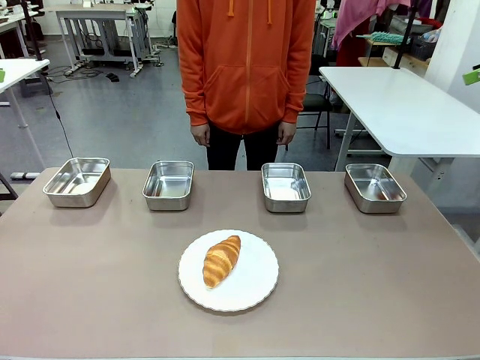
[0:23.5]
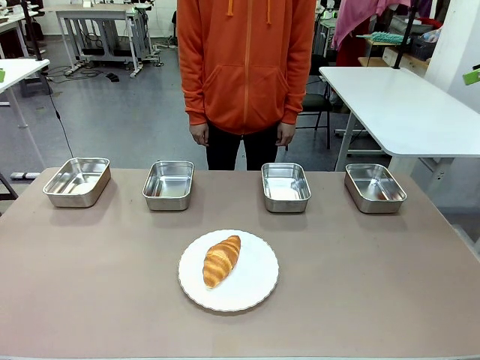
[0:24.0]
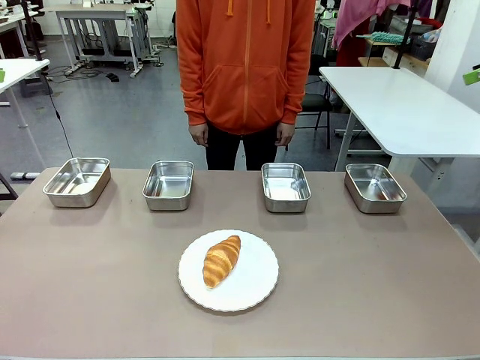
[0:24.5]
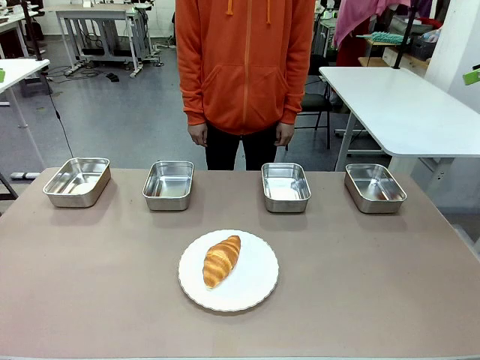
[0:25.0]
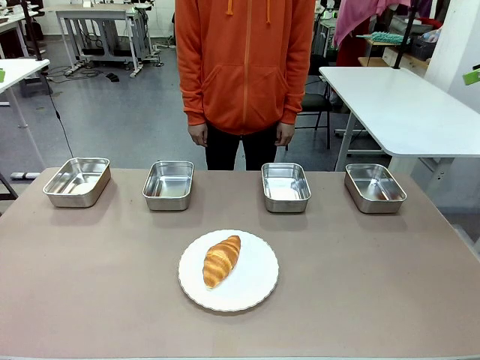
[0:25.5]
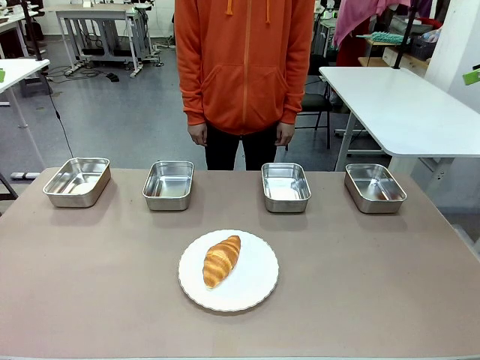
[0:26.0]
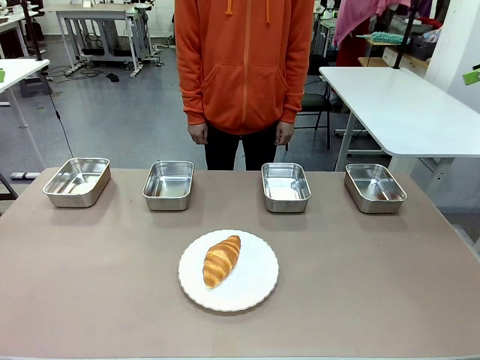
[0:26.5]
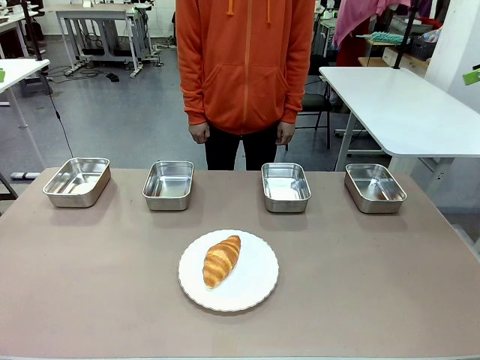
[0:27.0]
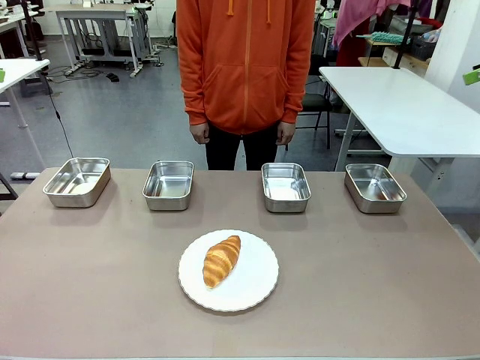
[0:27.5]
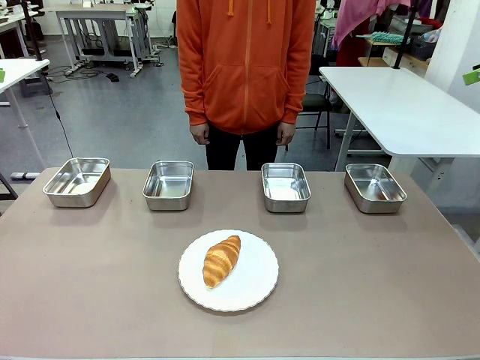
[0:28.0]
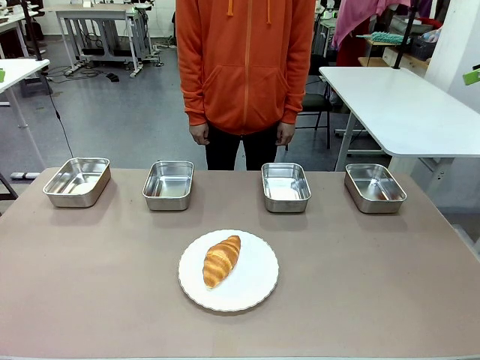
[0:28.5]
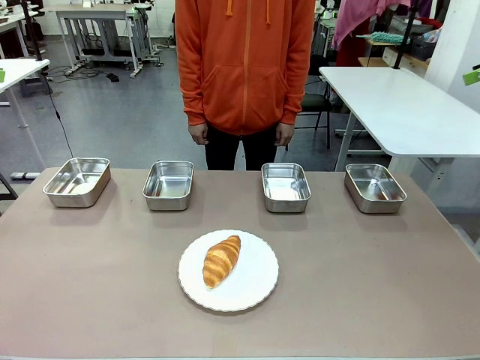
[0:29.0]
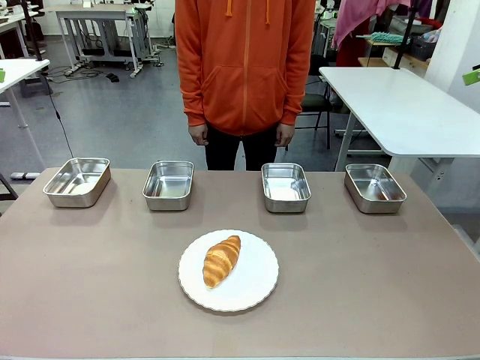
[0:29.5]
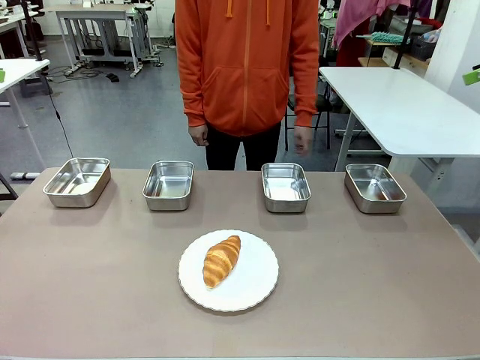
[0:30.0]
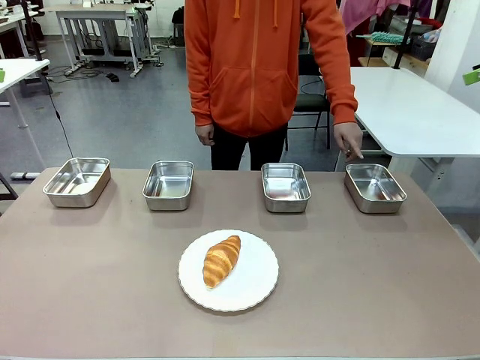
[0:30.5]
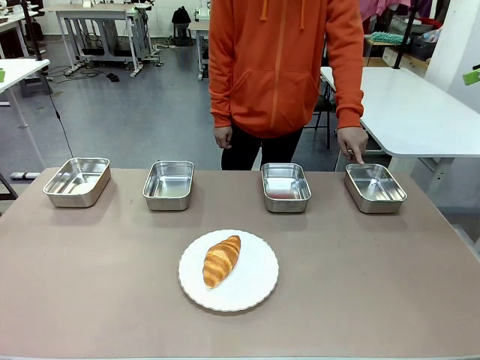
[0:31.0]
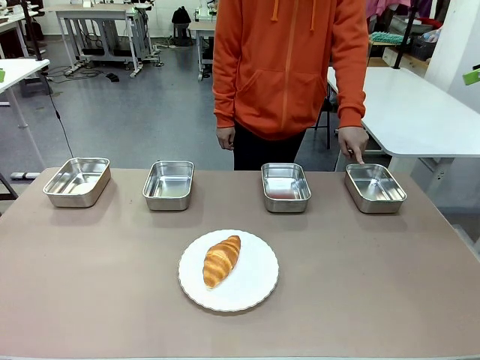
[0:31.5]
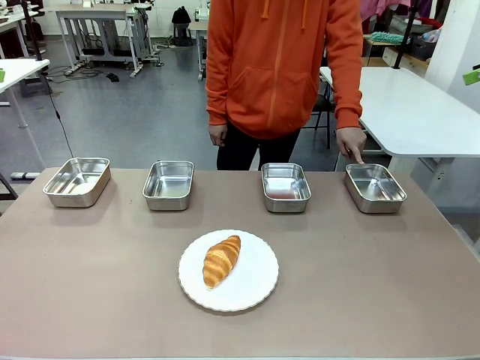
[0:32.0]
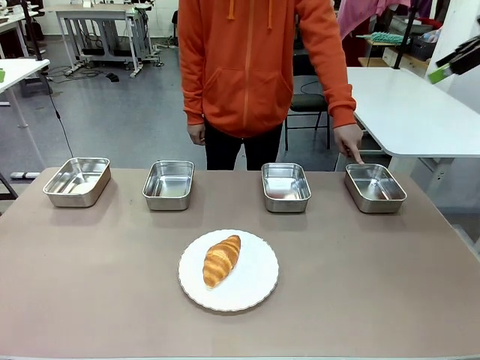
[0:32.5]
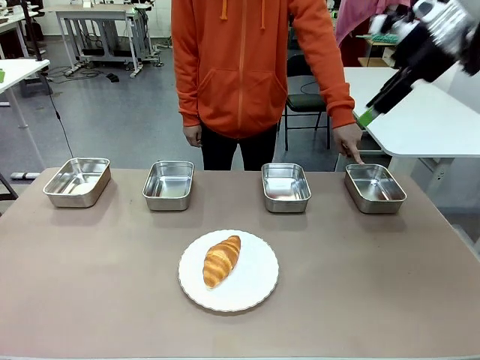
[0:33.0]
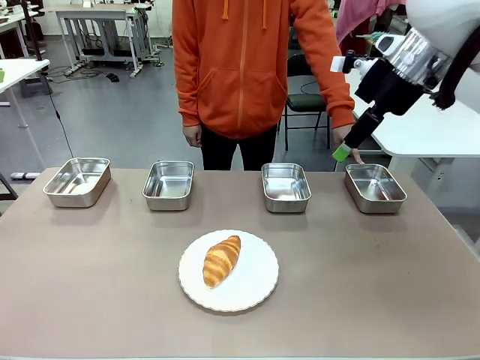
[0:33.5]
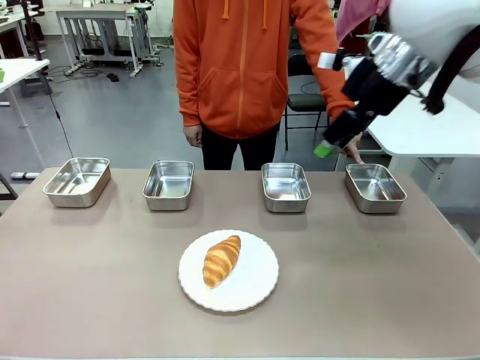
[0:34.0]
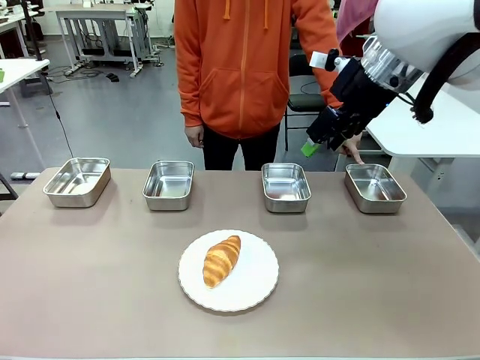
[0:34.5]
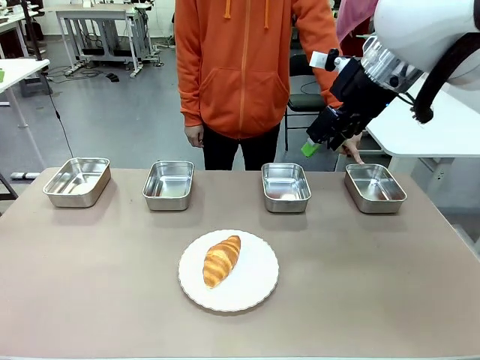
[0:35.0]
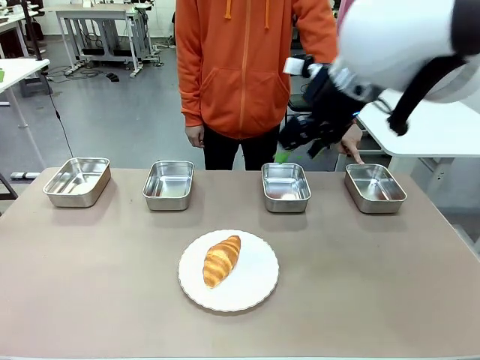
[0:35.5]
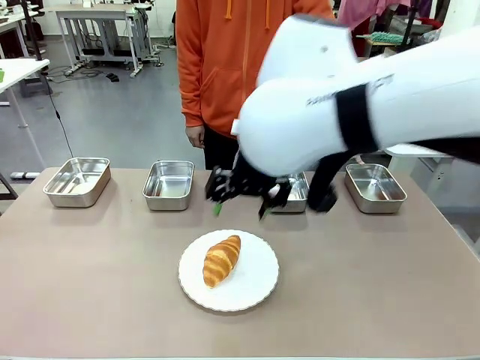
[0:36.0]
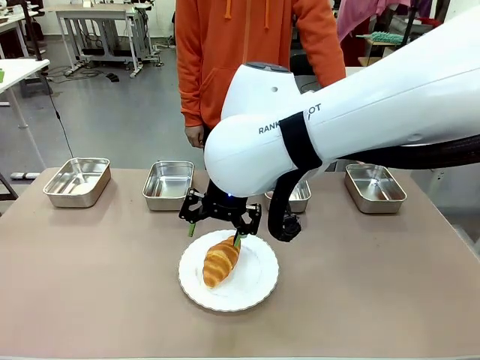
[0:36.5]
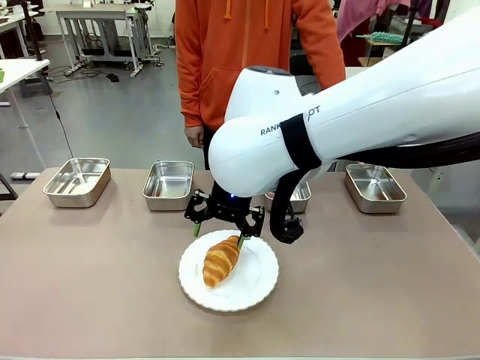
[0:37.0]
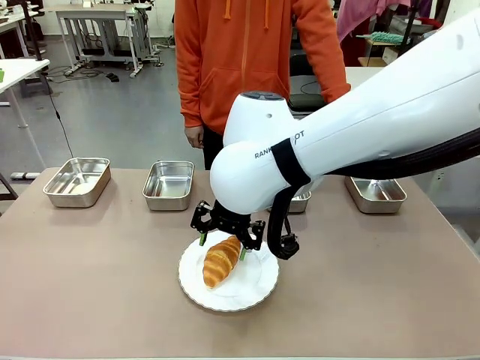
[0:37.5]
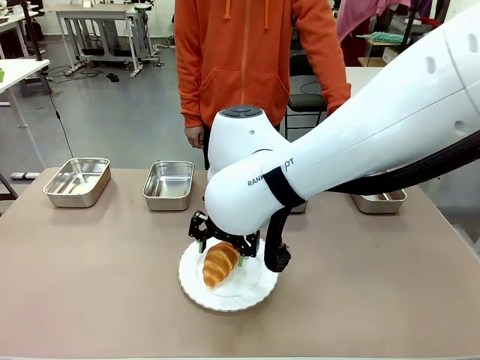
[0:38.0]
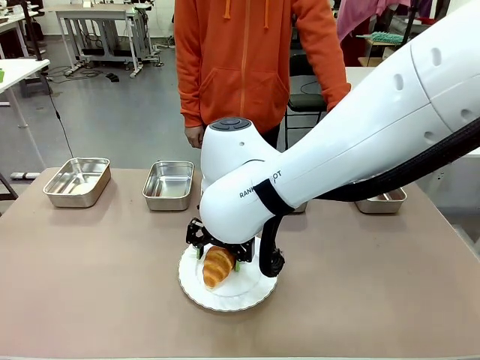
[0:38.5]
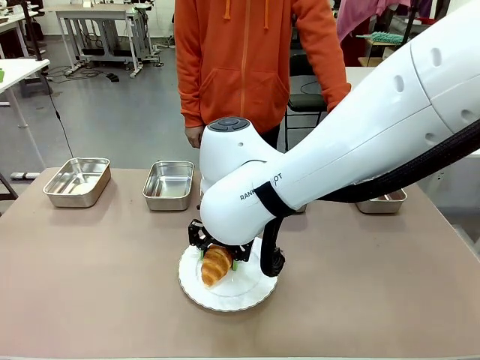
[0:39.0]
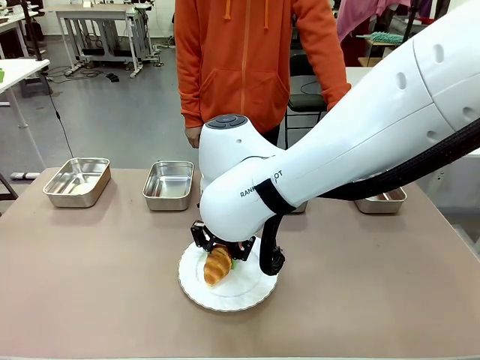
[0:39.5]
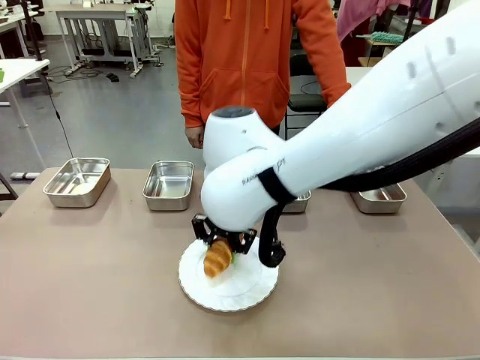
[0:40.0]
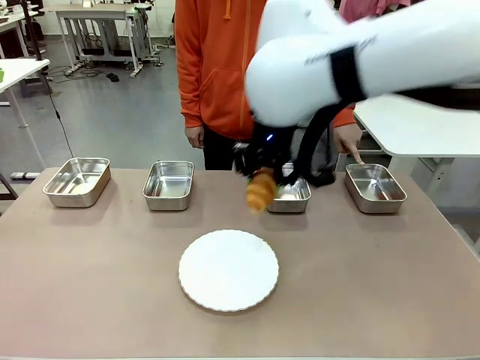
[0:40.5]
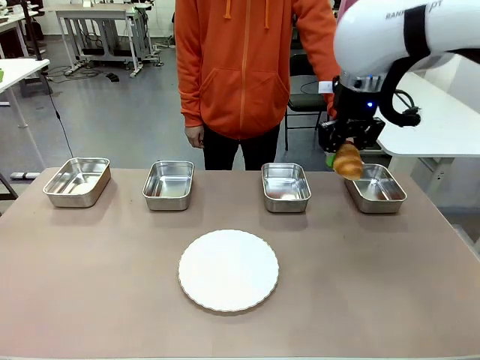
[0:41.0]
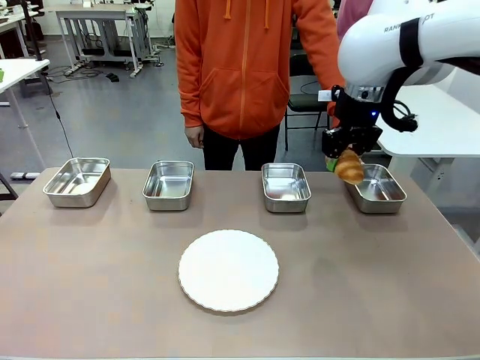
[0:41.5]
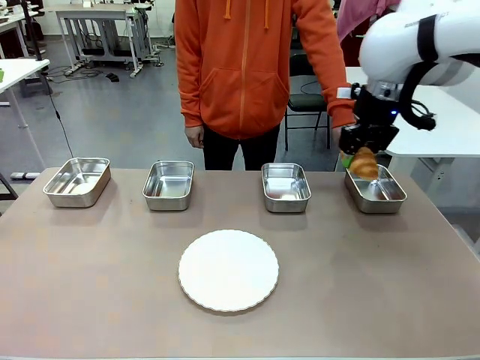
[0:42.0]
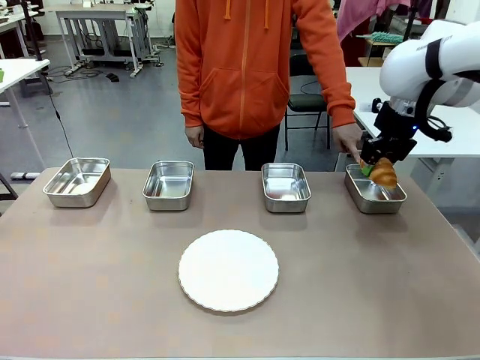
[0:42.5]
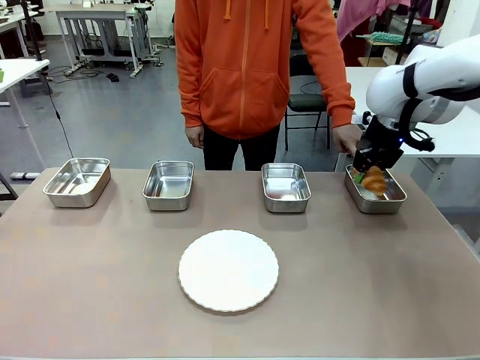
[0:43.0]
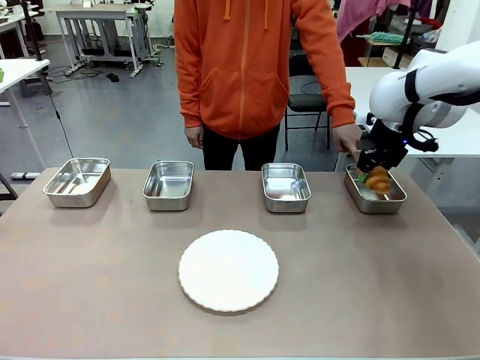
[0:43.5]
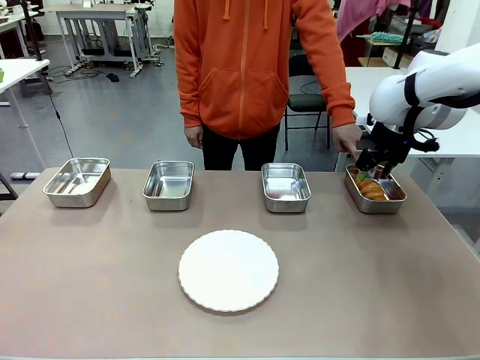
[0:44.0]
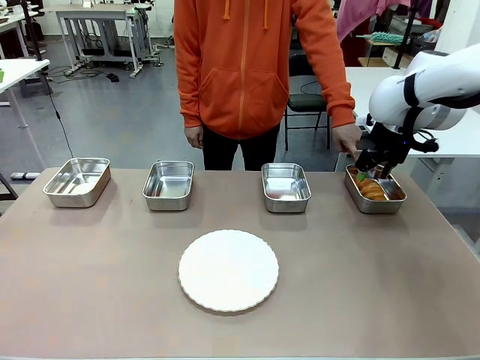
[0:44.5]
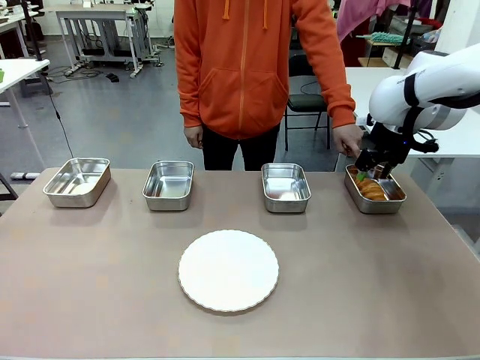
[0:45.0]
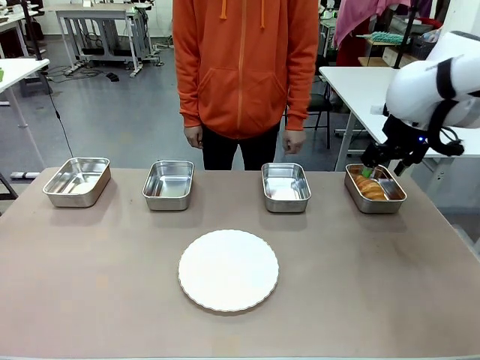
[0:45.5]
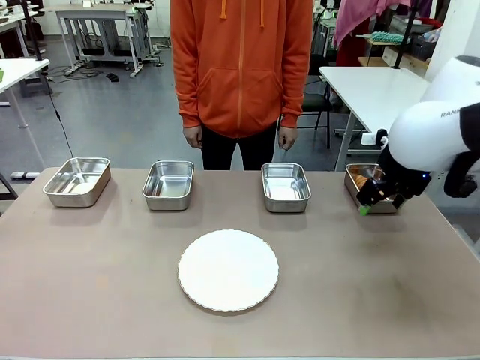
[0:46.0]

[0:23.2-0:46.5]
Task: Place the bread in the container.
Robot: Place the Butter Roll into the Airtight Container indicated by the human.
Person: A person randomly selects and points to an Airtight Container.
